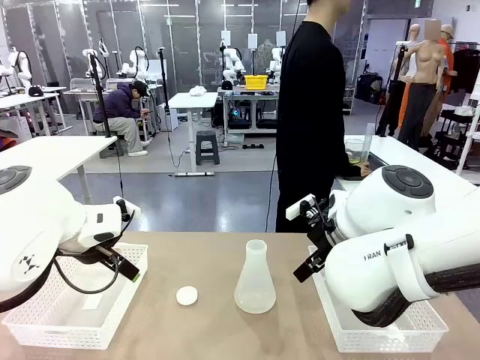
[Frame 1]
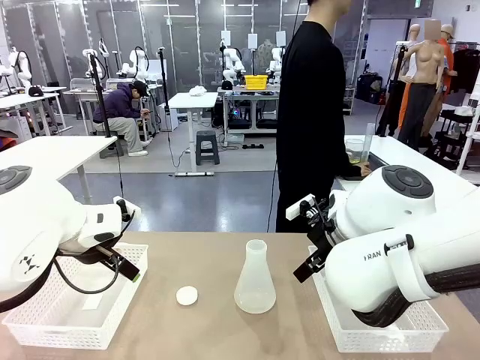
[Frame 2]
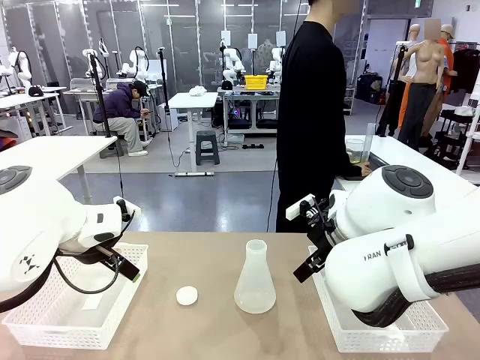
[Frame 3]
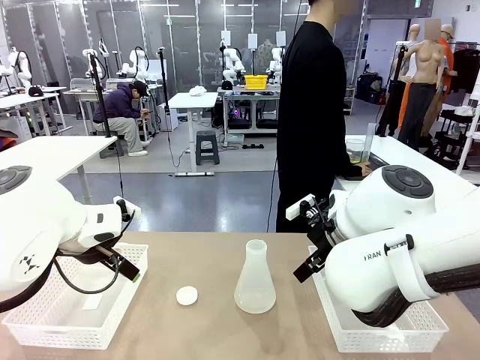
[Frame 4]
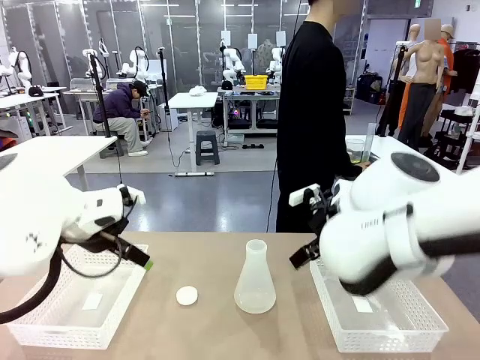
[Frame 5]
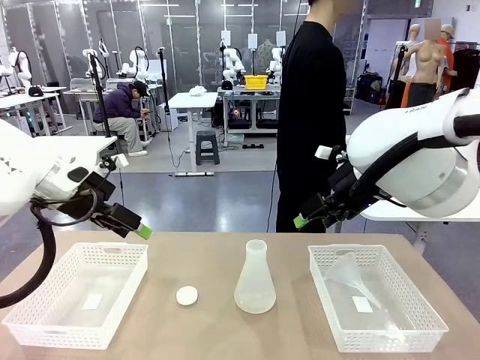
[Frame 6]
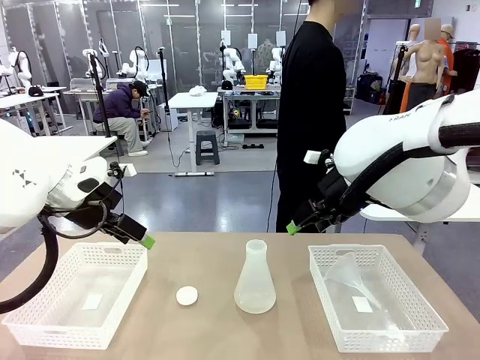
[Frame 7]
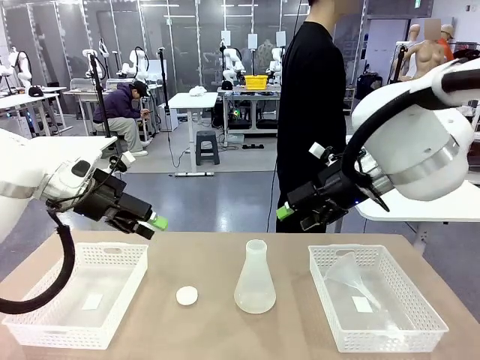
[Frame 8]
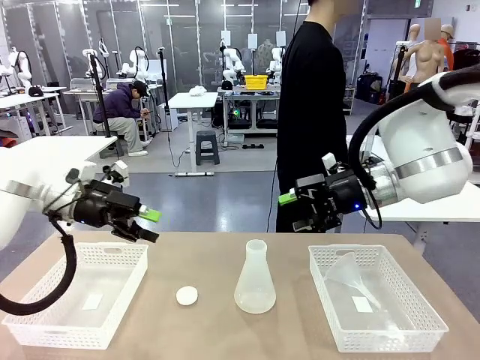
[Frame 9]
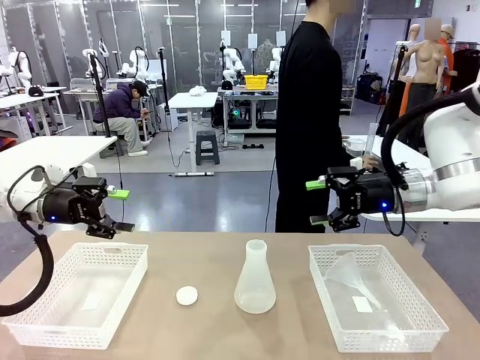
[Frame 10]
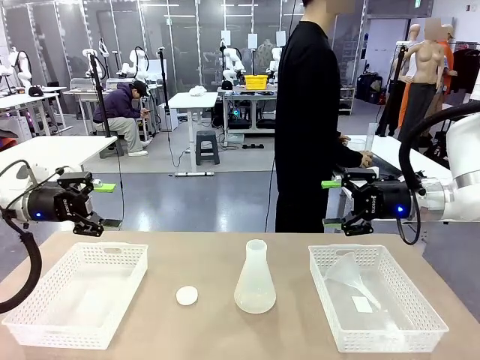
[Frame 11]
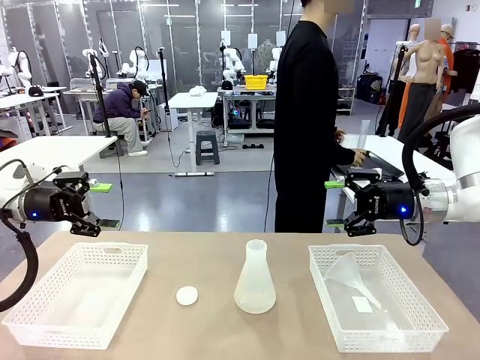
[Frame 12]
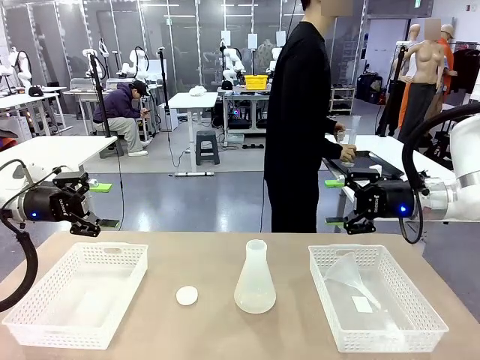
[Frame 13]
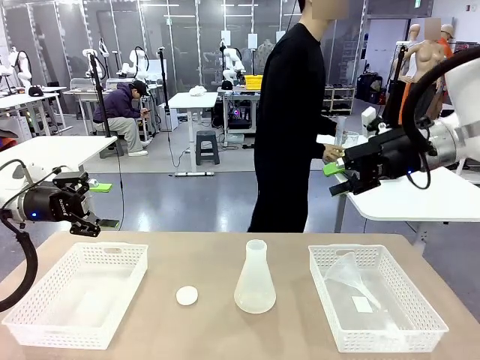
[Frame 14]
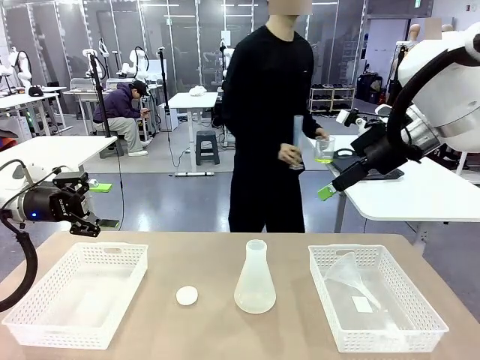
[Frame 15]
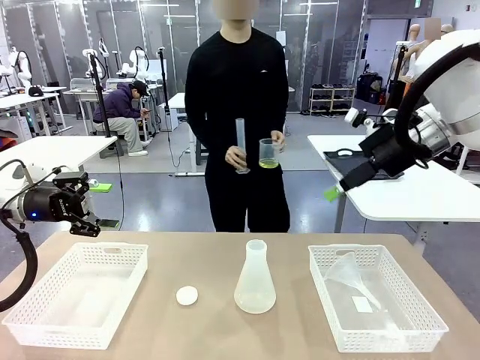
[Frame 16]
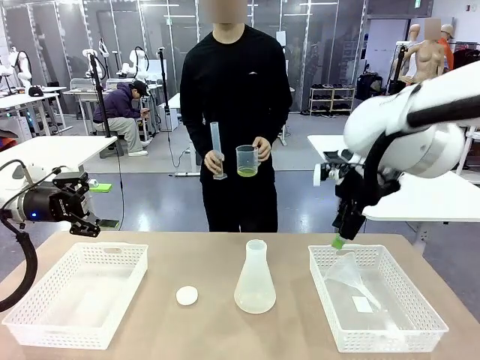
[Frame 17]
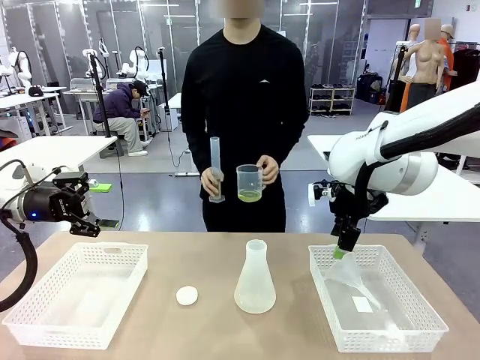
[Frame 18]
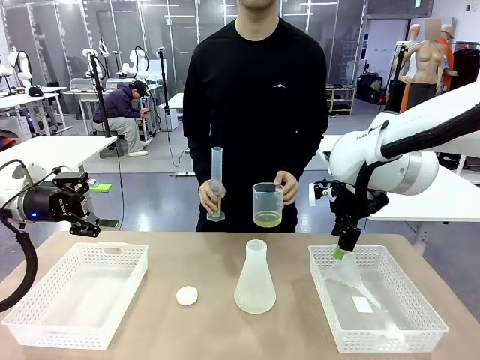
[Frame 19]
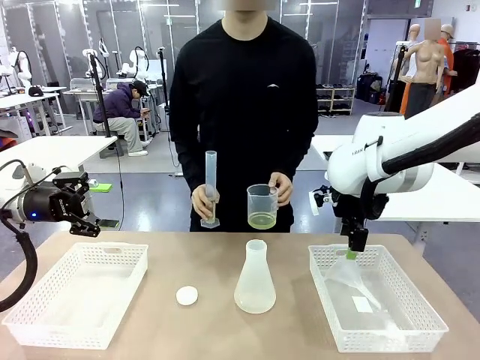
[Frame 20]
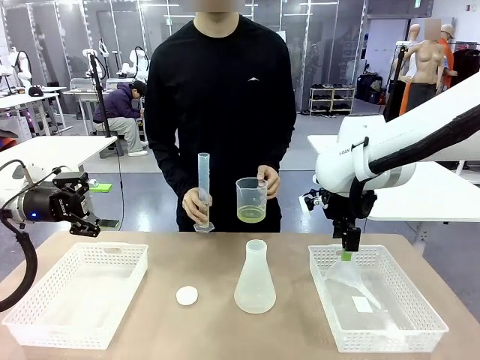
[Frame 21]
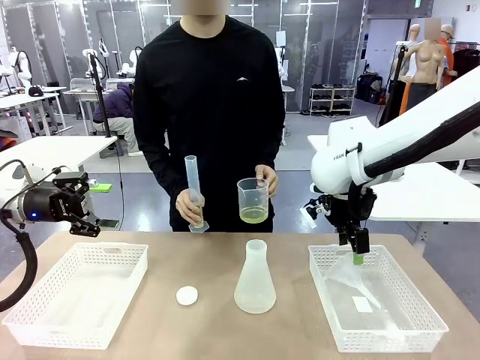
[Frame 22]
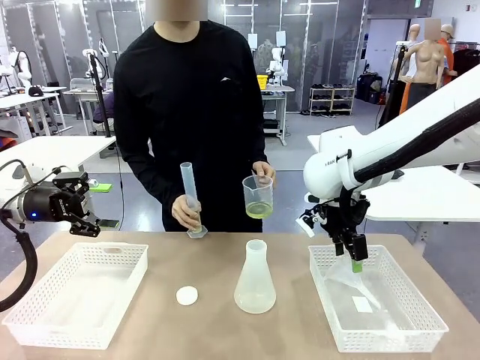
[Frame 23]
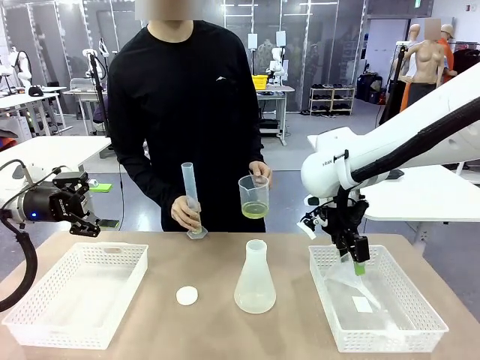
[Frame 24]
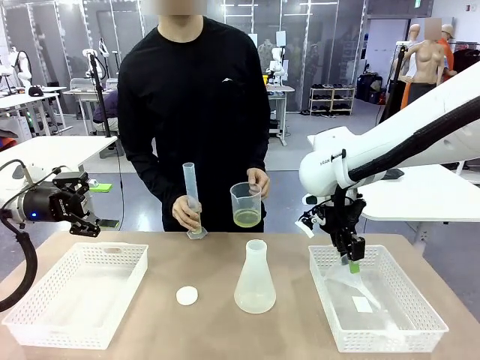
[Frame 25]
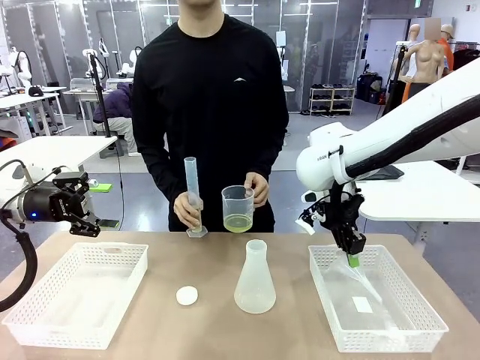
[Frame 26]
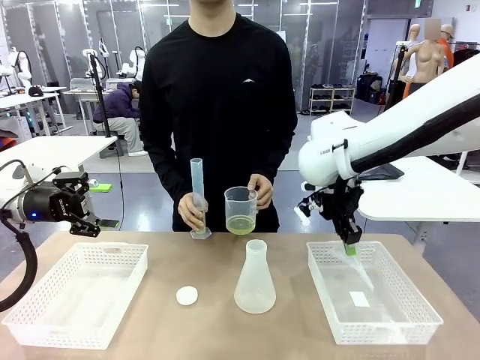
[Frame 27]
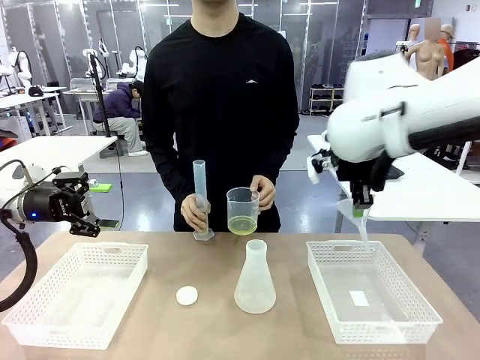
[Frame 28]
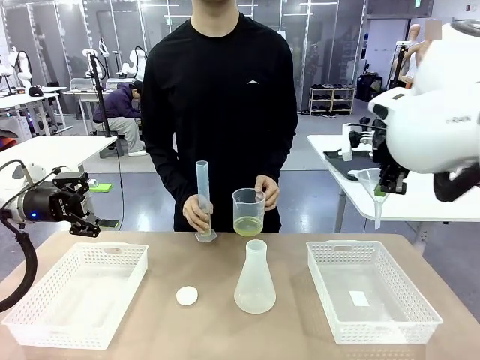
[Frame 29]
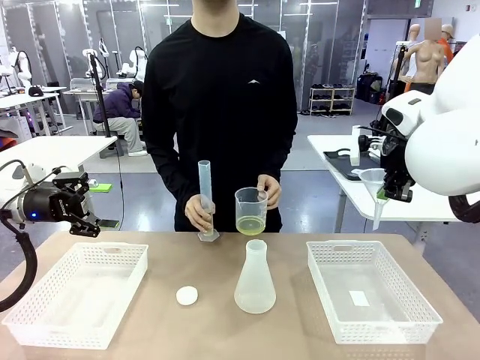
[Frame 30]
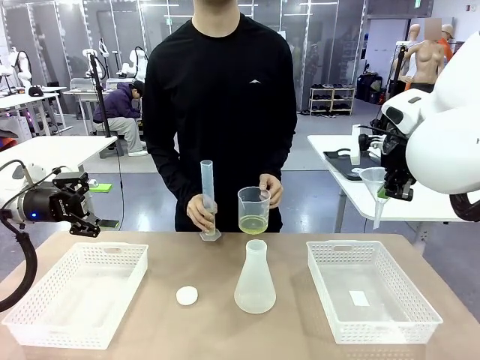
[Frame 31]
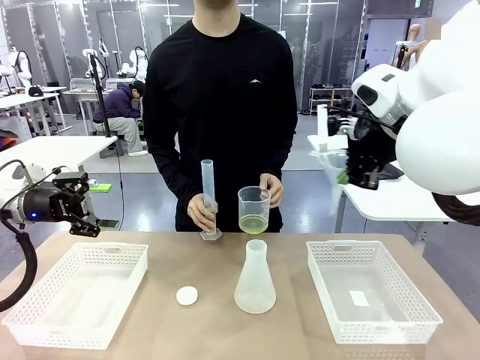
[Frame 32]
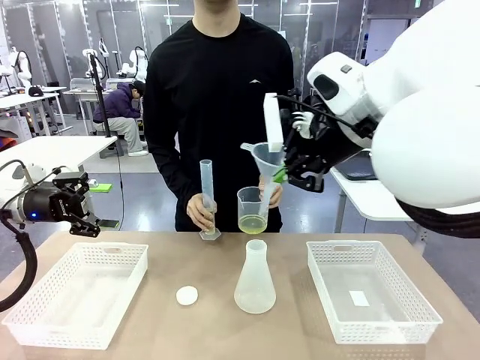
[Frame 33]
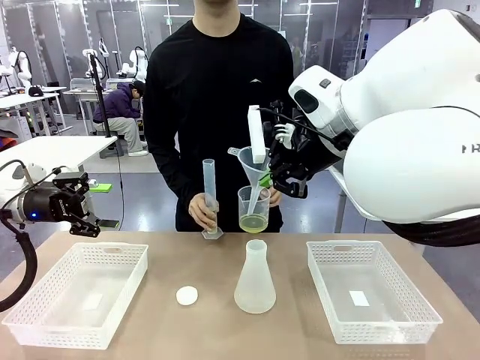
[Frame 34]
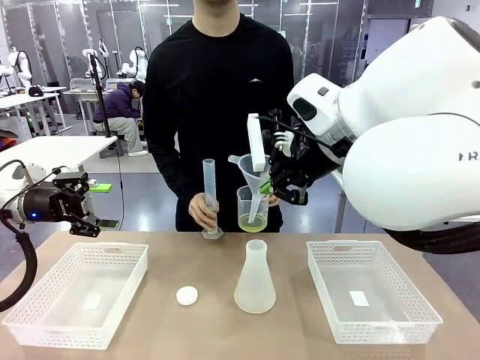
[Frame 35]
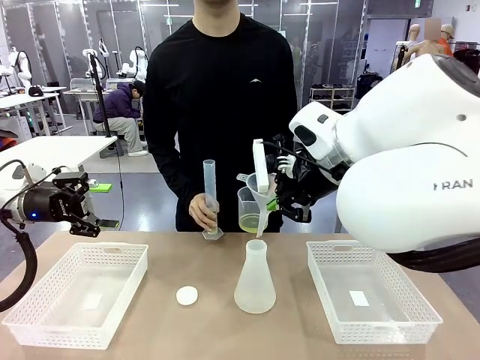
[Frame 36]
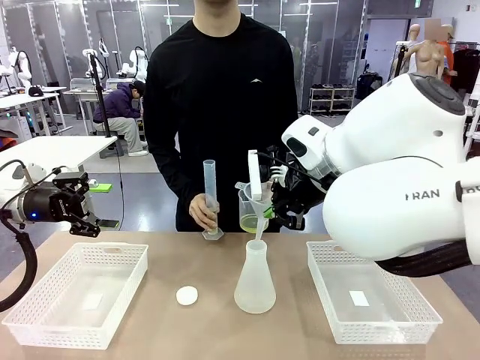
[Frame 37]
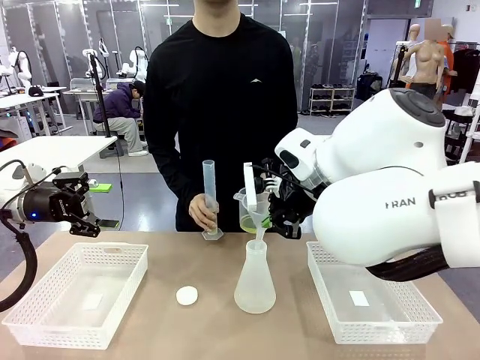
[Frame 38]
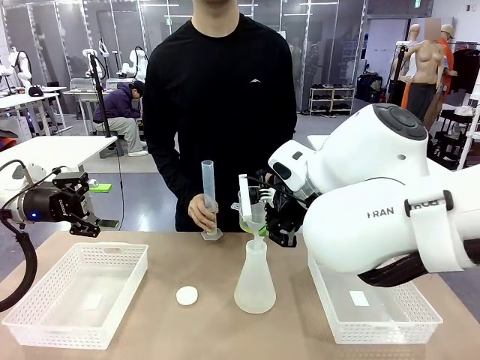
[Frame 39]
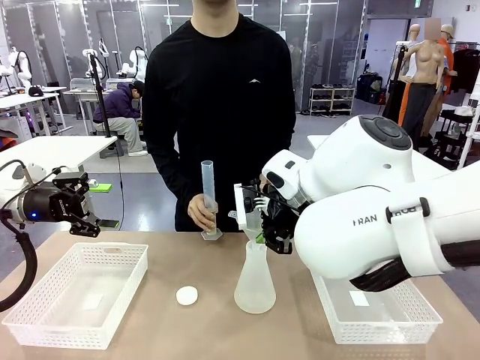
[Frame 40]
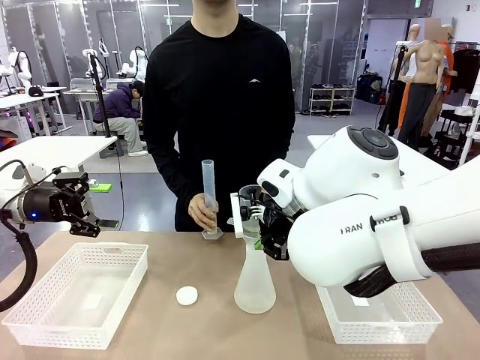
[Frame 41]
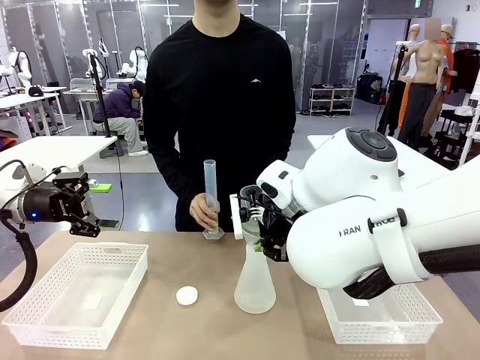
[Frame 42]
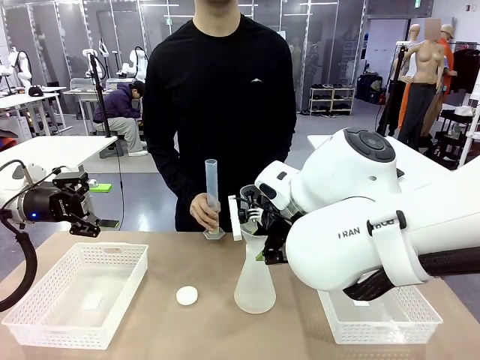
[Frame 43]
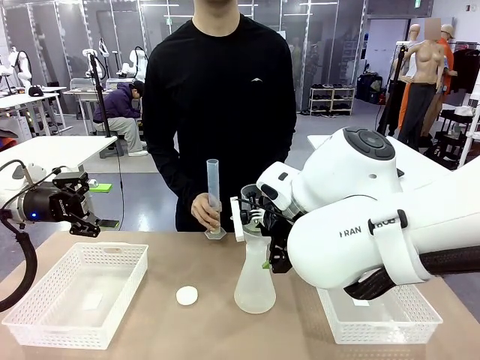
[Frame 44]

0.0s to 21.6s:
Task: Prepare the solutions needed for the experiment.
Robot: Pick up the Plastic Funnel and insert it into the Big flask.
Person: Pick up the beaker and the cylinder and move to the middle of the robot table. Pour the solution from the beaker and the cylinder into the flask.

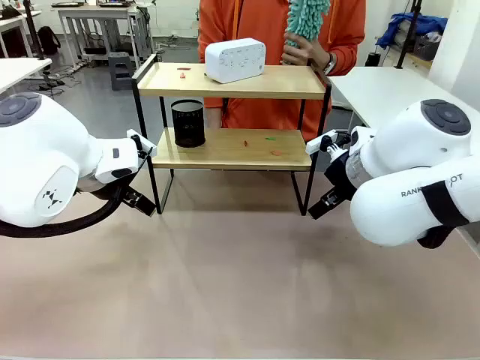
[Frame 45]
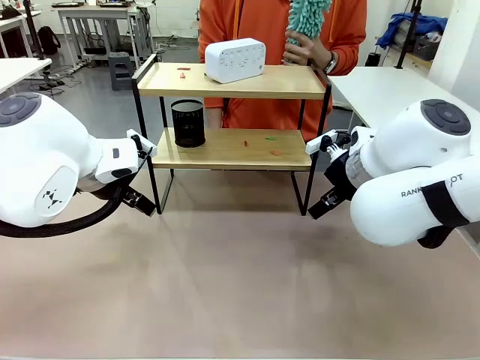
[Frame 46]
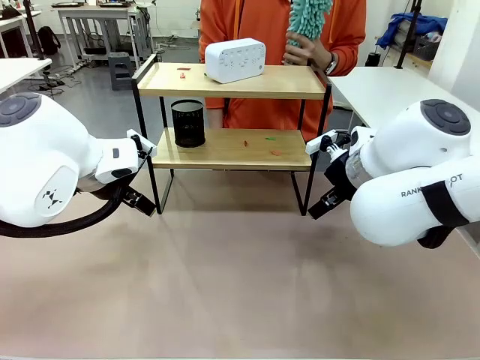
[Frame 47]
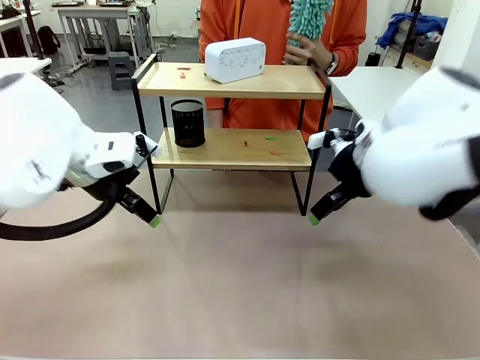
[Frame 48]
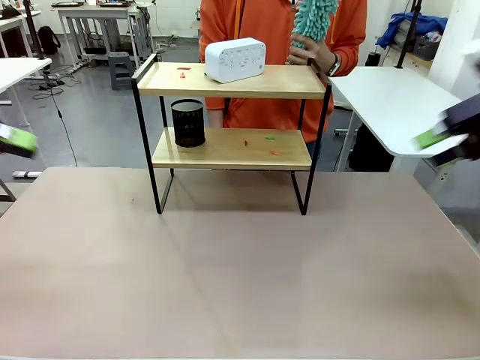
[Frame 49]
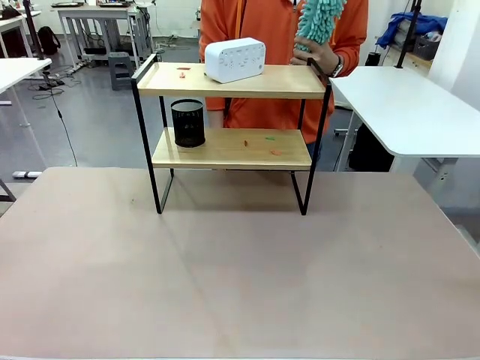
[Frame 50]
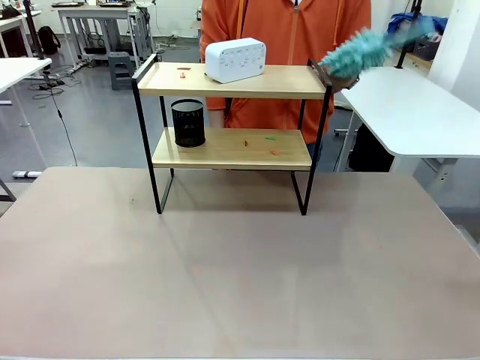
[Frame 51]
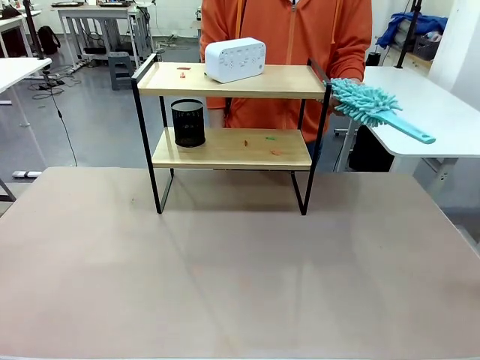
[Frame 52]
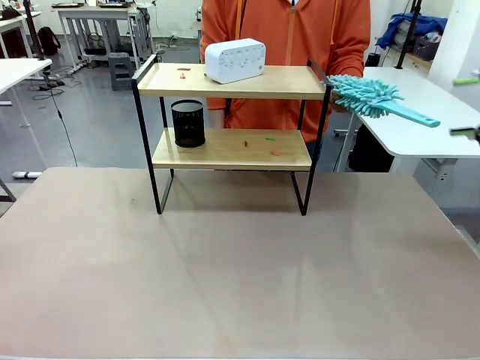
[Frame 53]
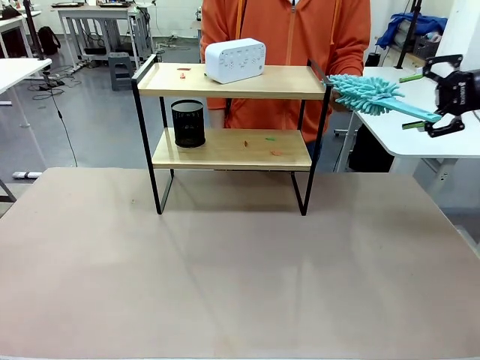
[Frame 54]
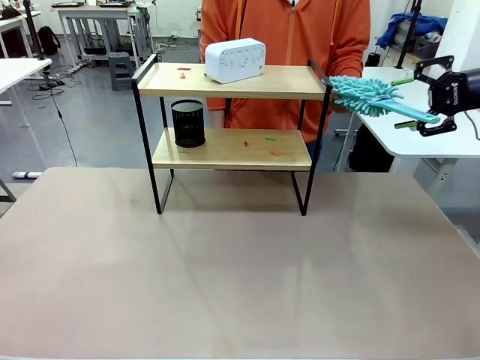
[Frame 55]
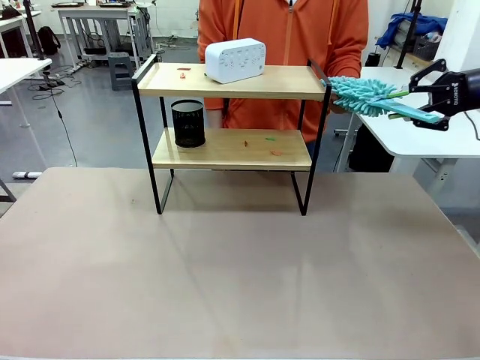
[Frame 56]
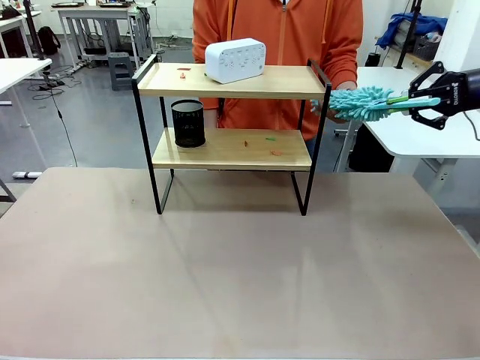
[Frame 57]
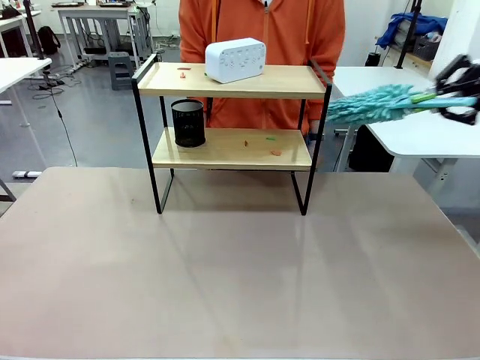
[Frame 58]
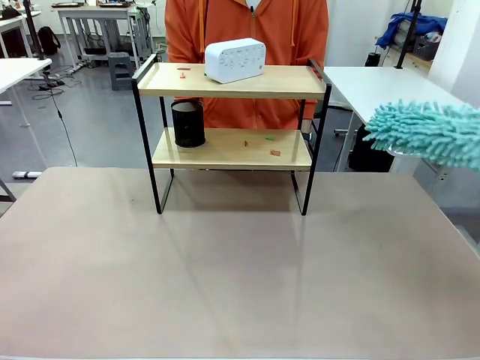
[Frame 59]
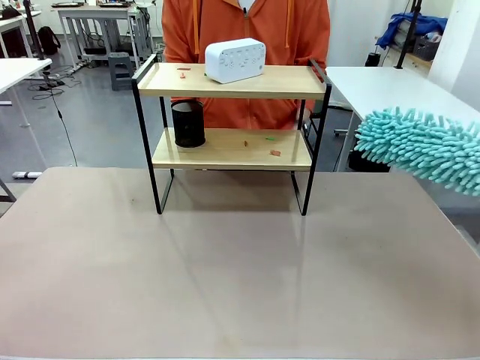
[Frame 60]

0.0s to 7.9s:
Task: Clean the shelf.
Robot: Pick up the Duster from the human.
Person: Hand the Duster to the robot.
